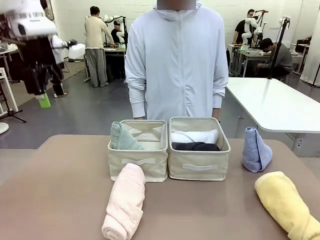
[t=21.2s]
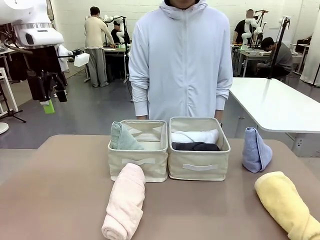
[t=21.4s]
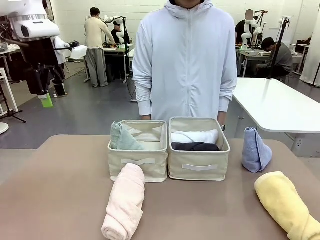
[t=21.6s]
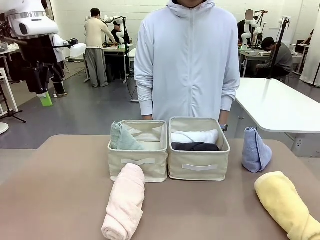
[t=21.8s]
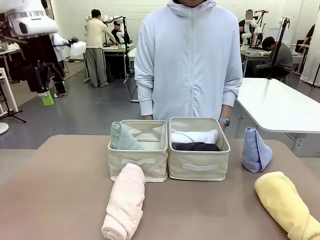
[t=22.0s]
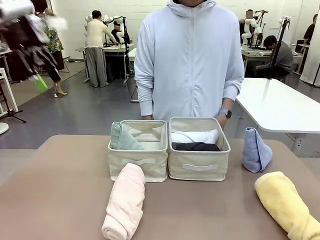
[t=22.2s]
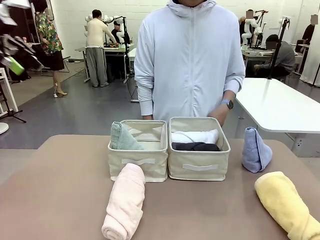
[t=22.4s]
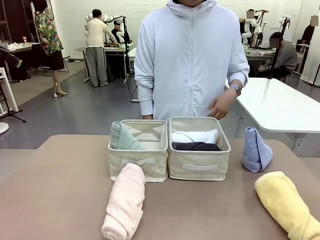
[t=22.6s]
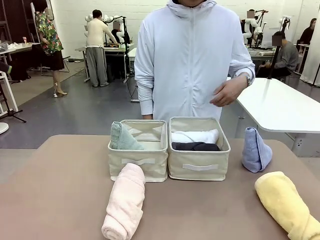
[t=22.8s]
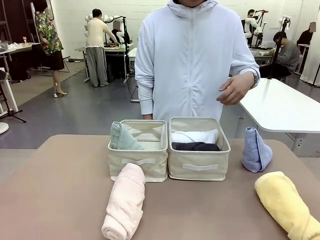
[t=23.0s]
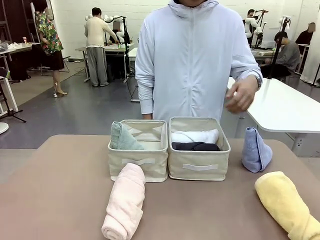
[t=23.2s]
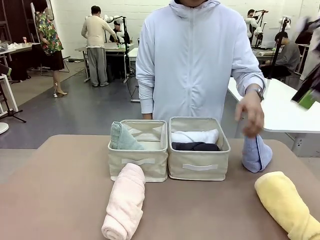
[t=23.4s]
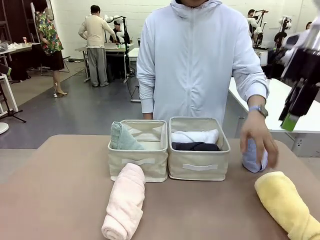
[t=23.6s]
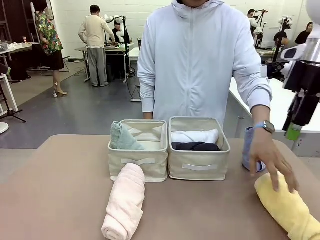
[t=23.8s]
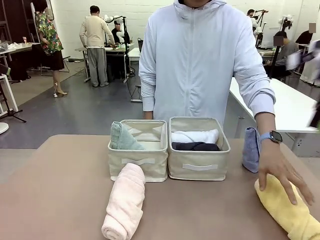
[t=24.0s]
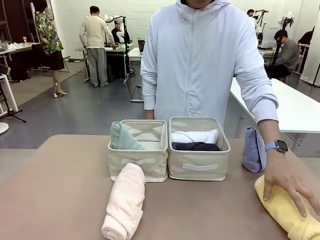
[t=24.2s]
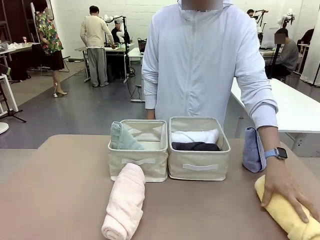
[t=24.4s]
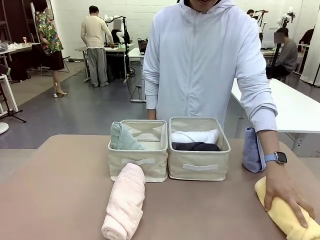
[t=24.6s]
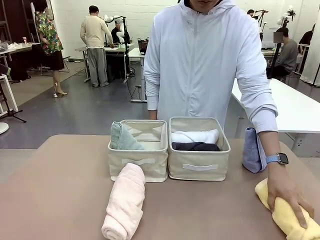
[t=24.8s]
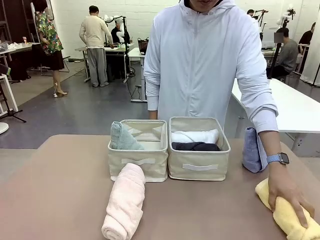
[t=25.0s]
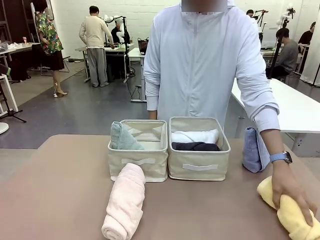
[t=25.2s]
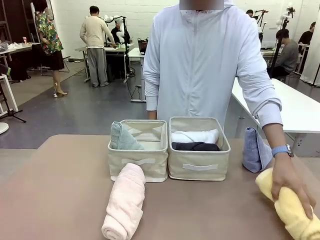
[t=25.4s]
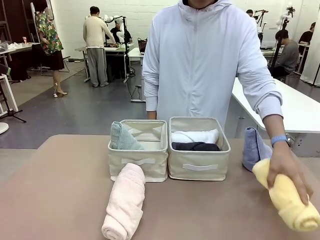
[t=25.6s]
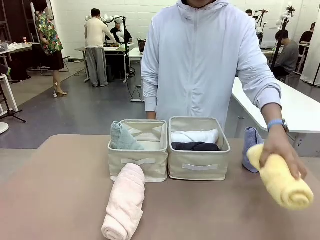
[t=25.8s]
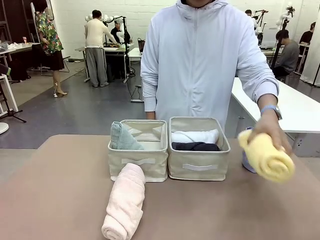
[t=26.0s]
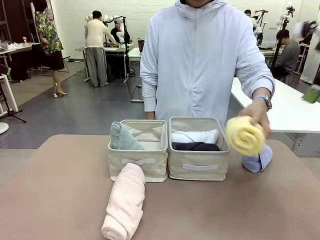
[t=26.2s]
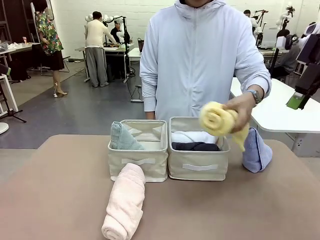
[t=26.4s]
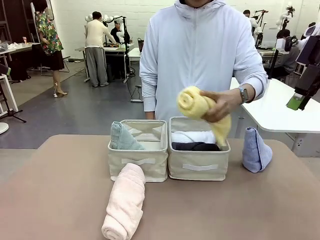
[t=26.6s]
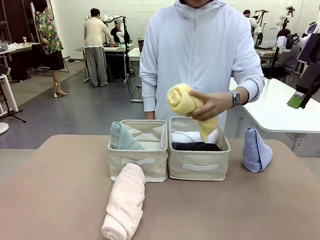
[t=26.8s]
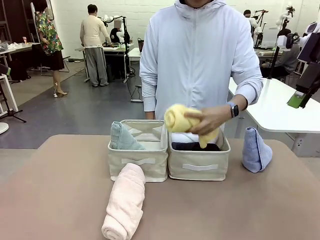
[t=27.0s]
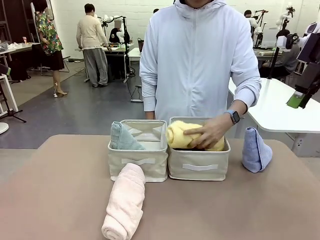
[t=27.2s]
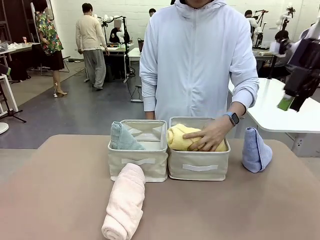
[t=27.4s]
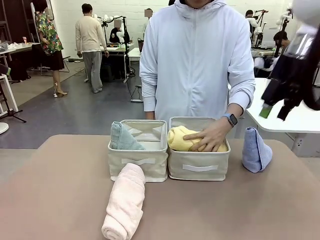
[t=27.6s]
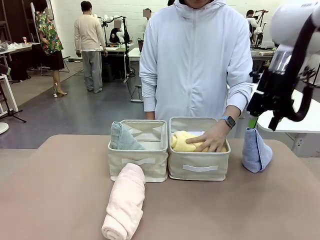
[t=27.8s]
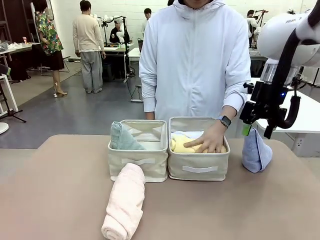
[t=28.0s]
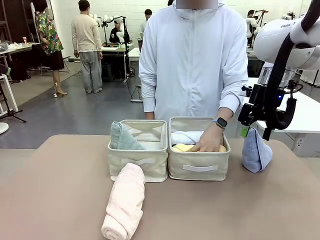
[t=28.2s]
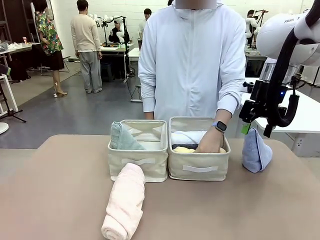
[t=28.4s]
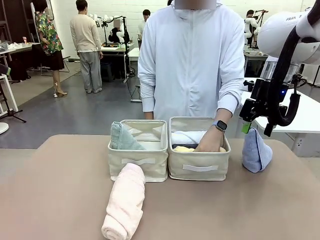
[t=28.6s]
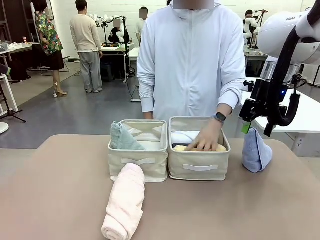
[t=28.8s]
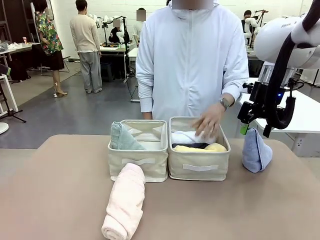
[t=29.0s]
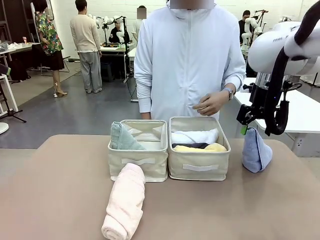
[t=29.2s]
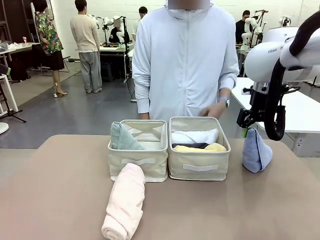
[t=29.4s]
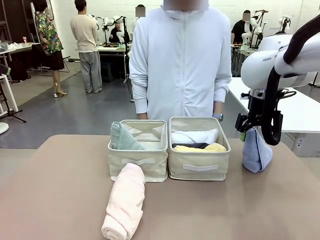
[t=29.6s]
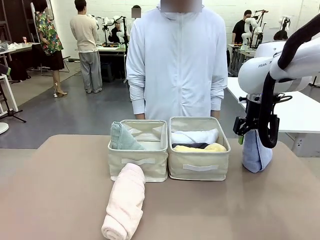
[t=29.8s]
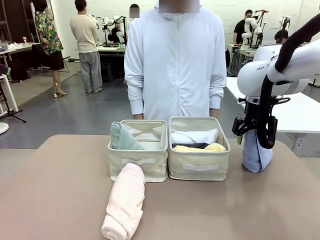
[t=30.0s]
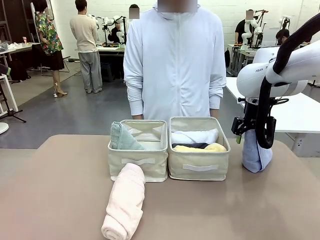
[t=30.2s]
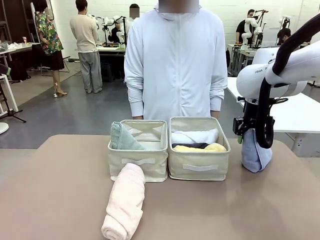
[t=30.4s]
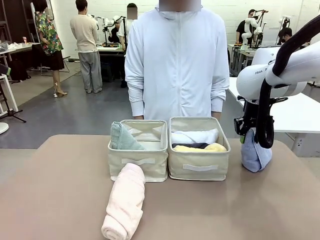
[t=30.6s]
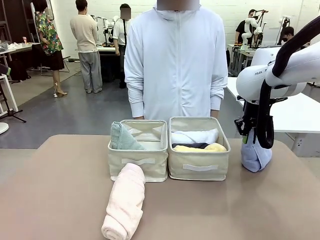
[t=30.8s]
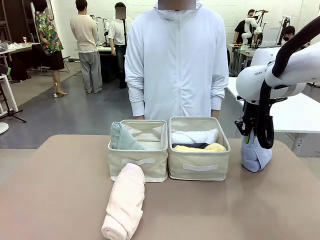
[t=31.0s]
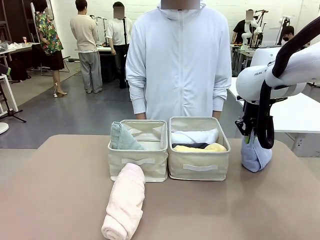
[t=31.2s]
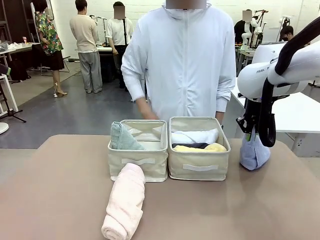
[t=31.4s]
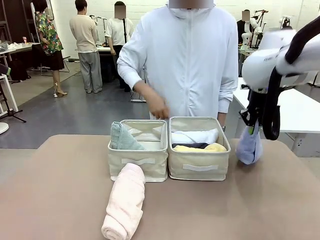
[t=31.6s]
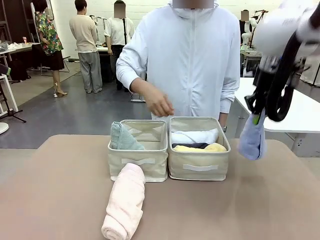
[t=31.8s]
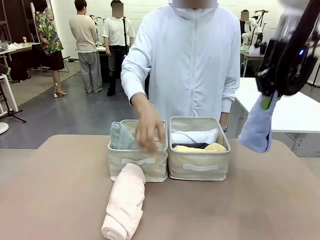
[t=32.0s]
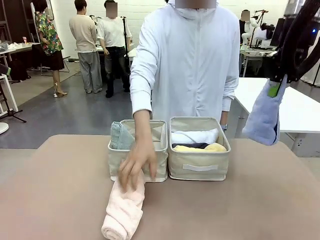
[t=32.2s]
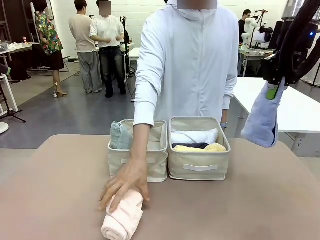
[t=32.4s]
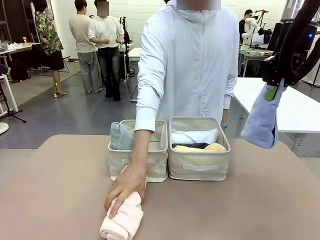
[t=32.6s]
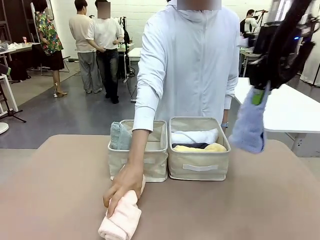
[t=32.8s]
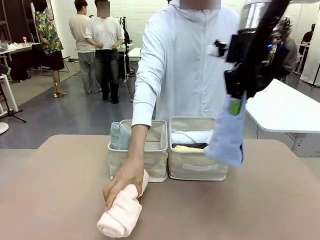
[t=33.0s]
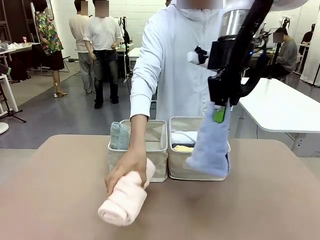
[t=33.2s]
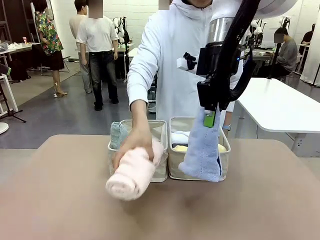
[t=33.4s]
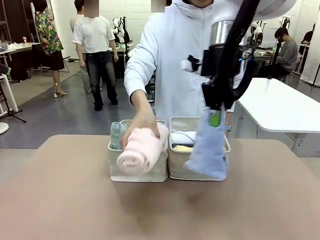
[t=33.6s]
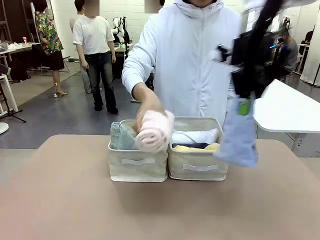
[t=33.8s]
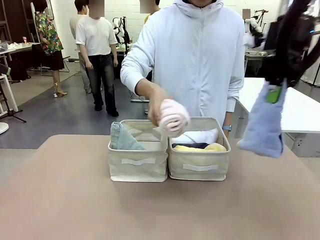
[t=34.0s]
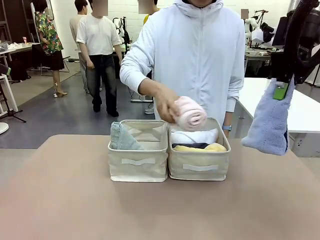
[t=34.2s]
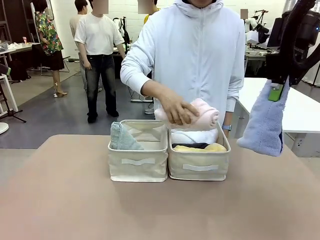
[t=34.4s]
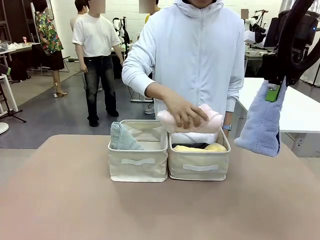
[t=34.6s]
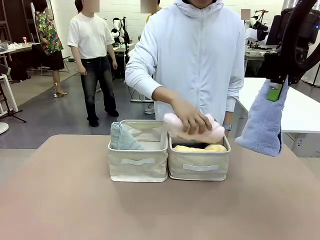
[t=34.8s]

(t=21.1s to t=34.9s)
Task: Sort the towels based on their folding style.
Robot: Pick up another triangle-folded towel from the table and place it in the left Fabric basket.

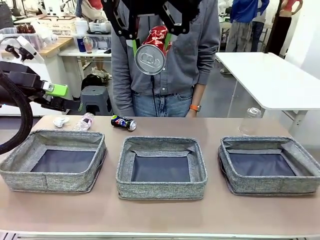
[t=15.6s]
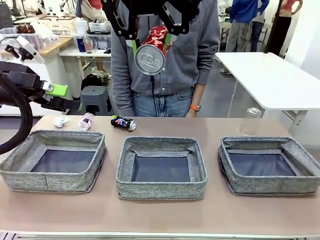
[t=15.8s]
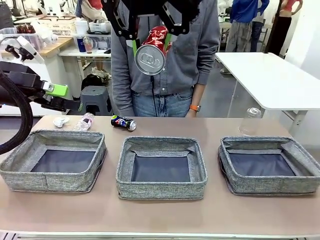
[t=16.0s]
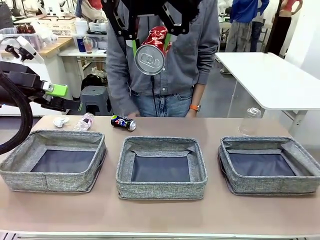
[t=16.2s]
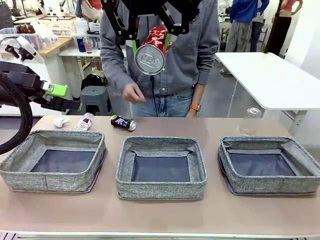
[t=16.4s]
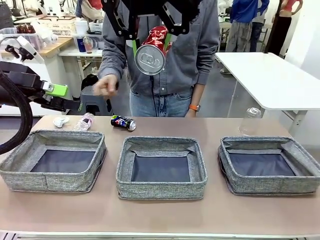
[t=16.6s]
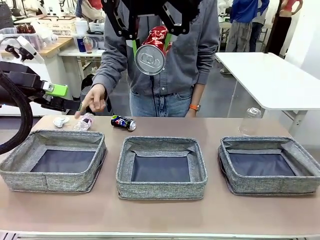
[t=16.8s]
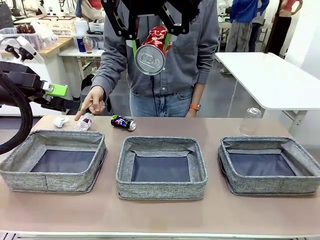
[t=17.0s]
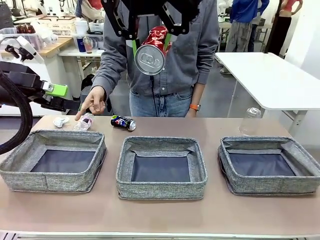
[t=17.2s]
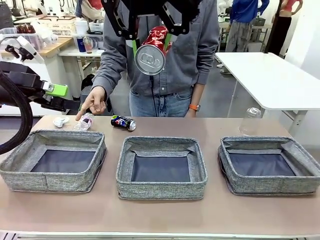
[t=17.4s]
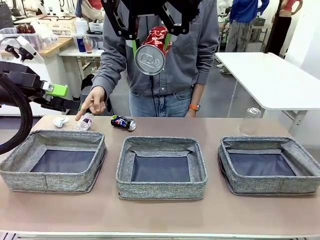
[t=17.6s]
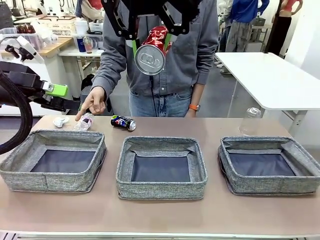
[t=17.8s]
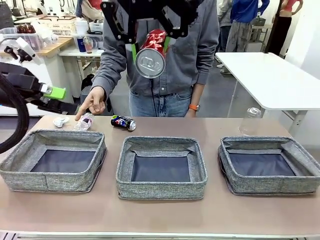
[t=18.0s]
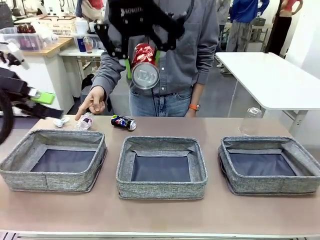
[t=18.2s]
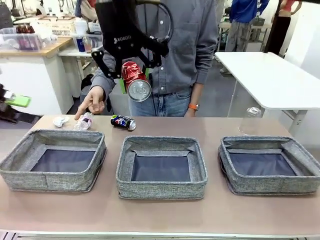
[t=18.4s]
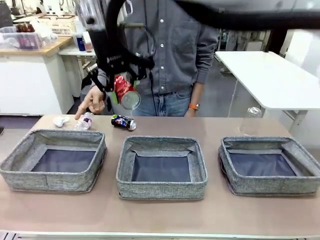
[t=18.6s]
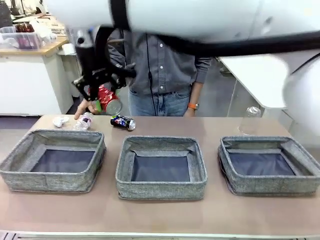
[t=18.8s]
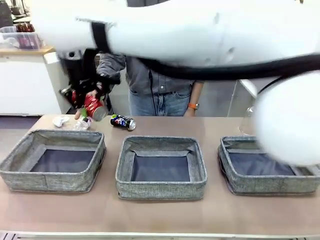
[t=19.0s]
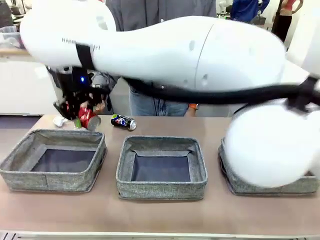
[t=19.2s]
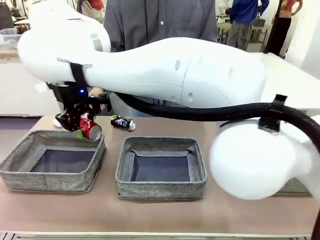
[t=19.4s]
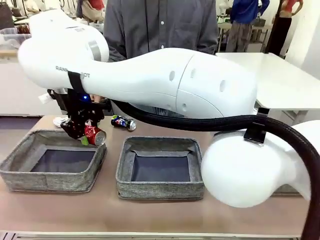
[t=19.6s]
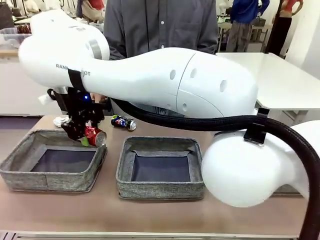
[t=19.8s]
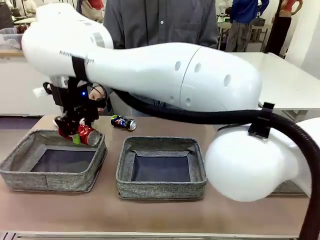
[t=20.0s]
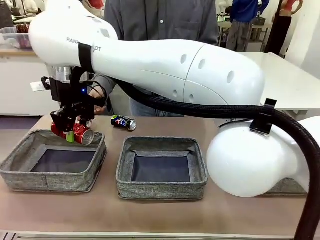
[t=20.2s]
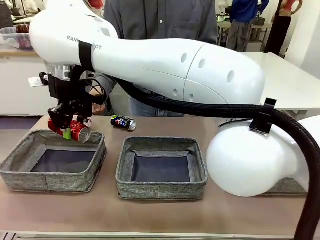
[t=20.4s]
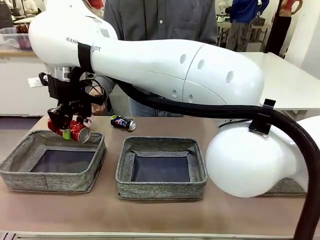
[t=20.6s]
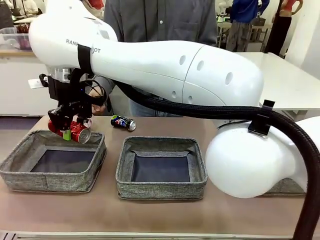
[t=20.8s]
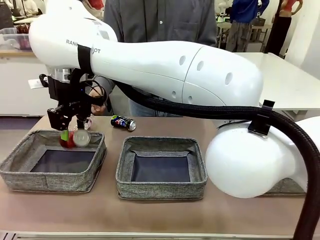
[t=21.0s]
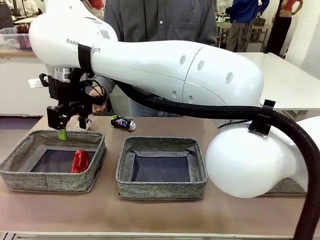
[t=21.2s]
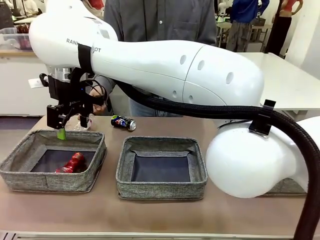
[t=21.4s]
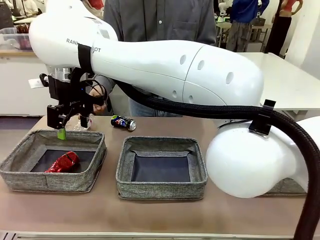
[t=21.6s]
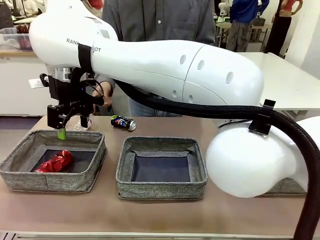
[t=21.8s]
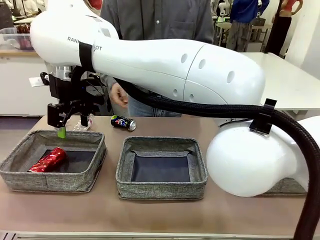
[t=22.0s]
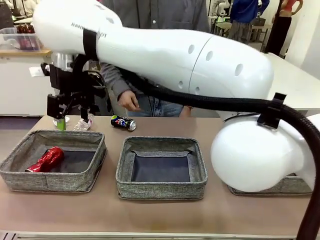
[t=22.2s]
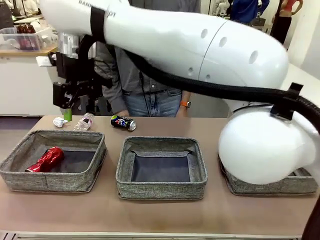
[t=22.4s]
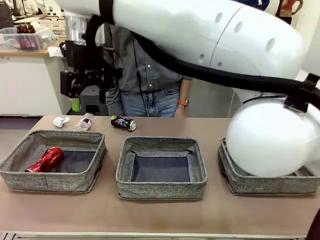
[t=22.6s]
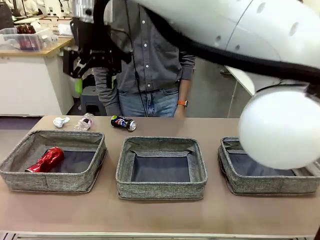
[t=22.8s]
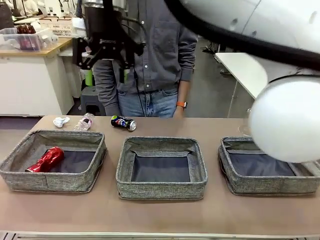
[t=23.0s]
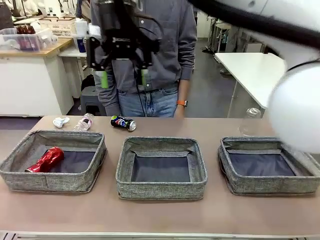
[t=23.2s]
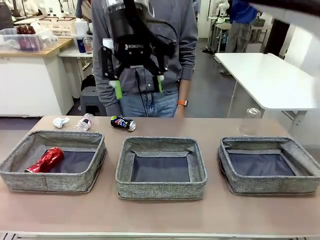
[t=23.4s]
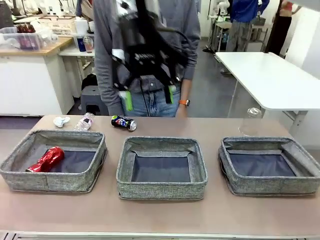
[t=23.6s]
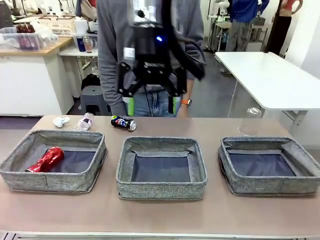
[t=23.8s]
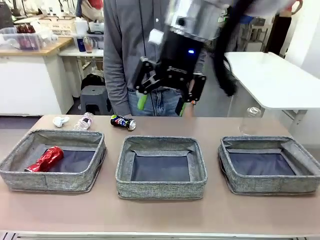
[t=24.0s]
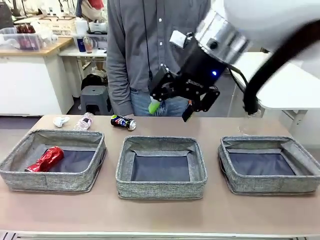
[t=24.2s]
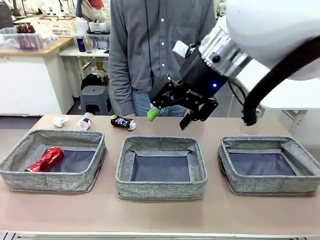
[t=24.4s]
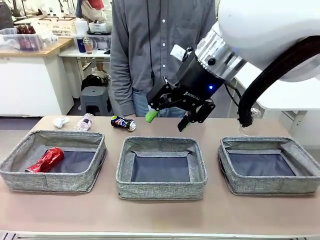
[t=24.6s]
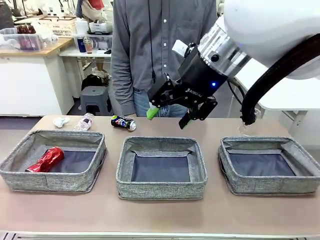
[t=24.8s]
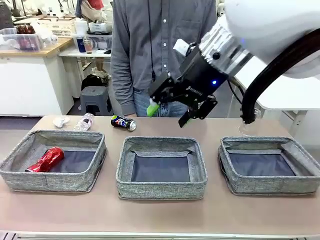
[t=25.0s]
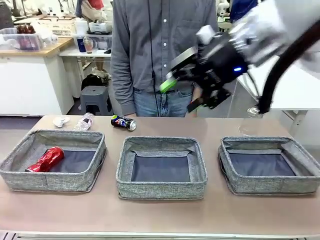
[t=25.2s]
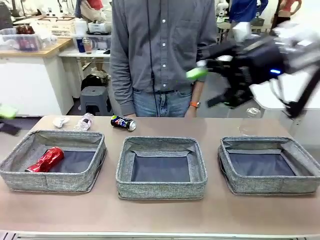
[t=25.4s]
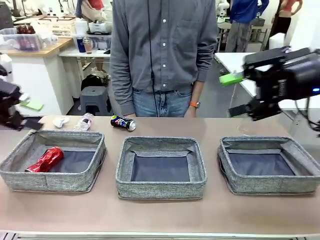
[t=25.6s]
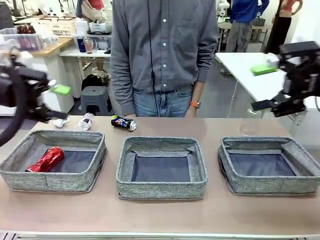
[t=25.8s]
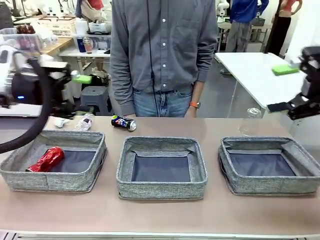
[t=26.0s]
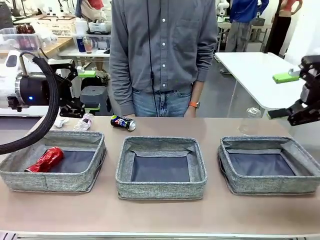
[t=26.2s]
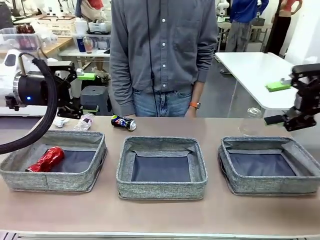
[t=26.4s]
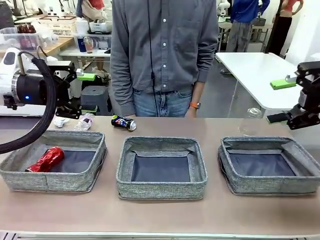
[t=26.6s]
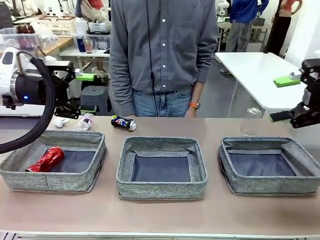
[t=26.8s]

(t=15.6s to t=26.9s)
Task: Sort the waste into the appropriate baskets.
Robot: Place the picked waste into the Fabric basket indicated by the person.
Person: Instructs the robot to place the picked-up trash into the appropriate organizing basket.
